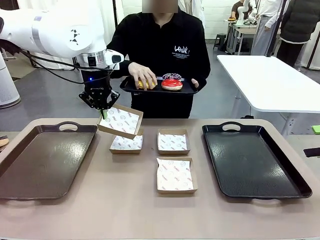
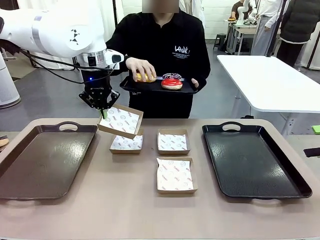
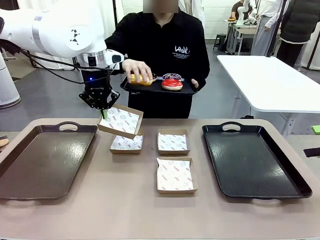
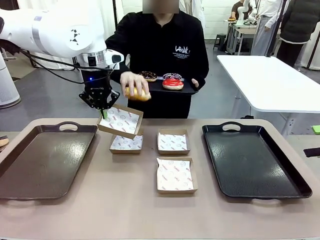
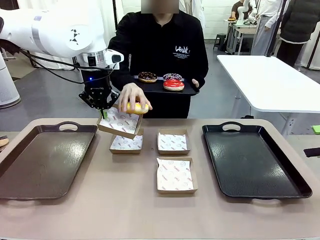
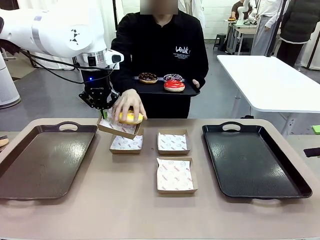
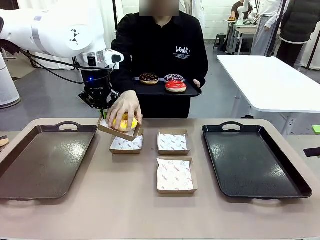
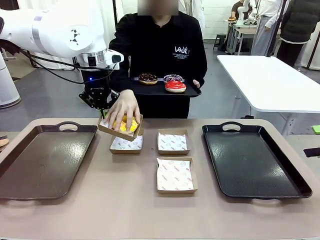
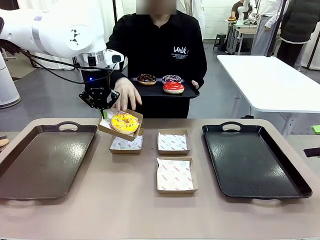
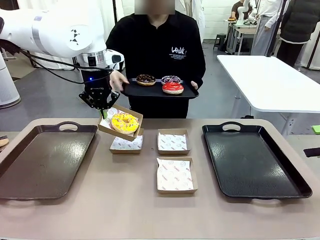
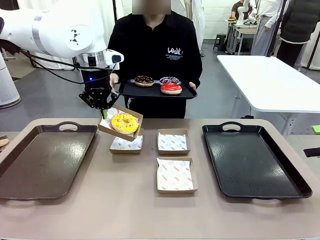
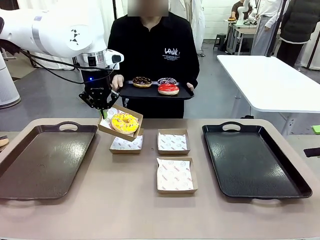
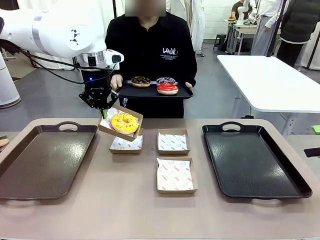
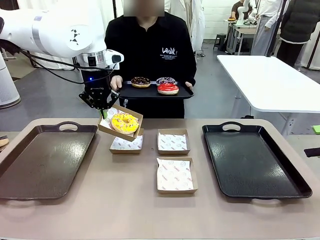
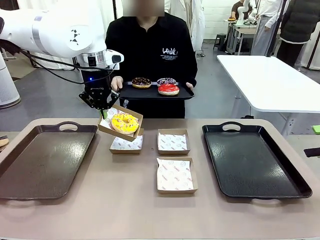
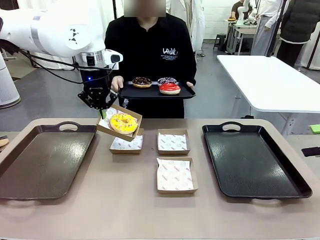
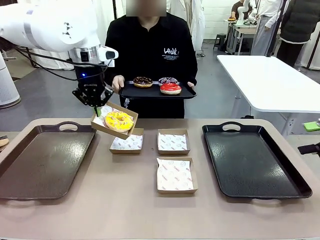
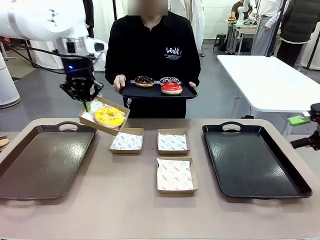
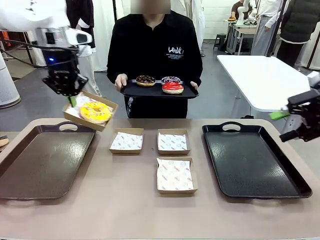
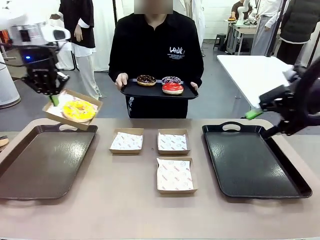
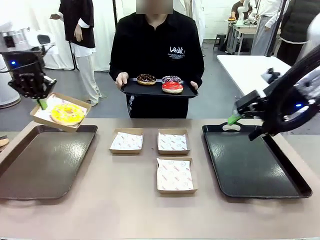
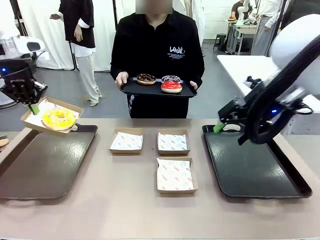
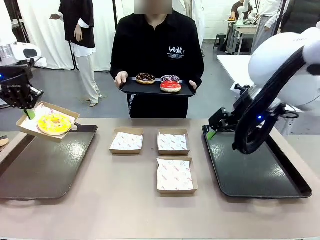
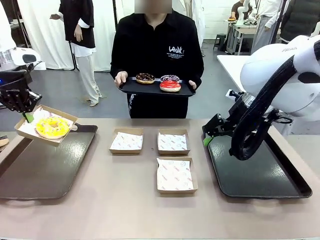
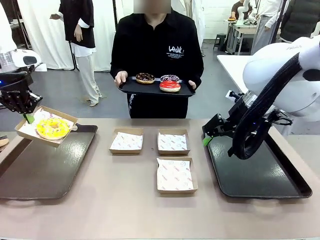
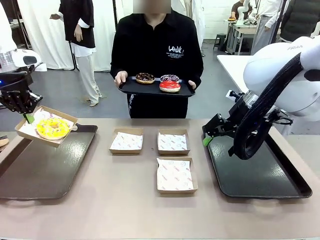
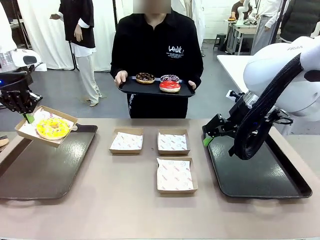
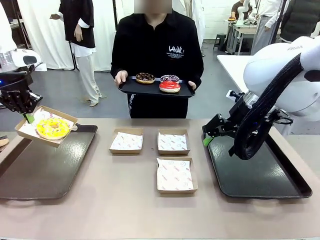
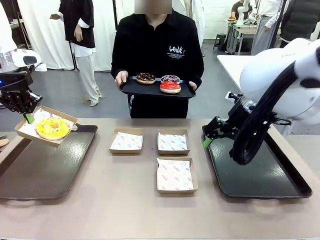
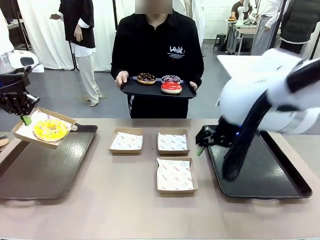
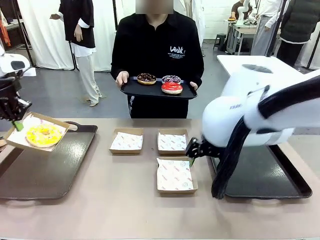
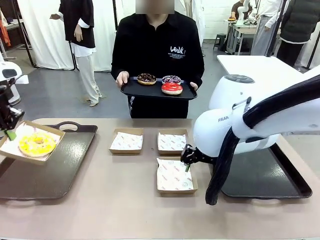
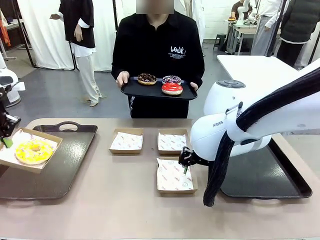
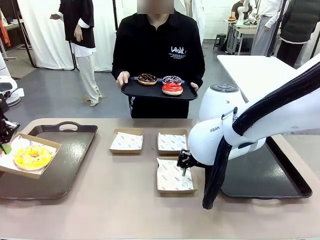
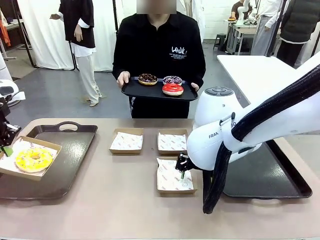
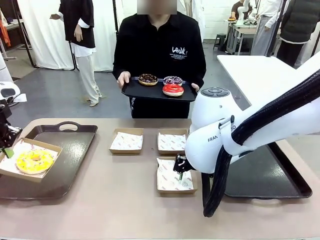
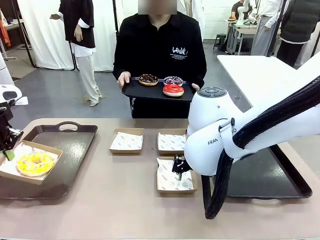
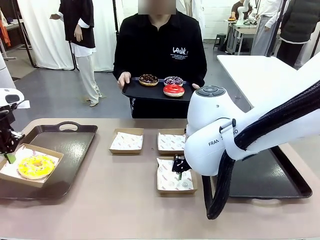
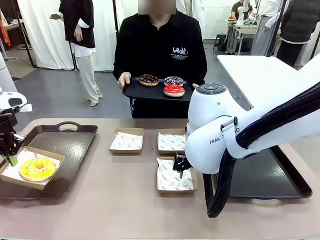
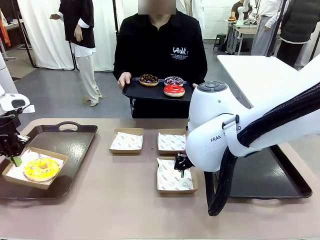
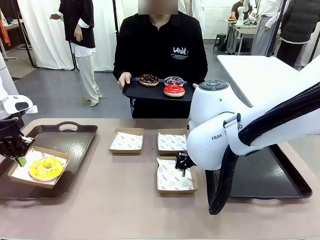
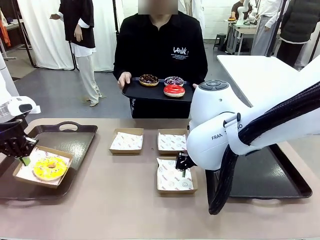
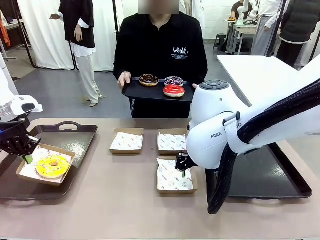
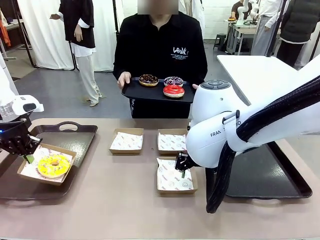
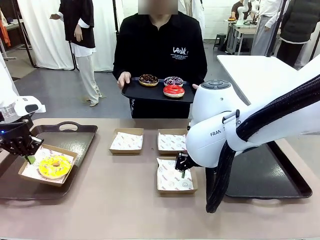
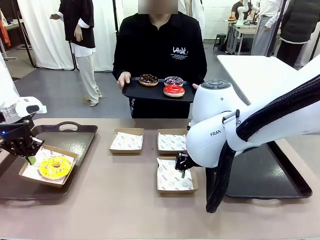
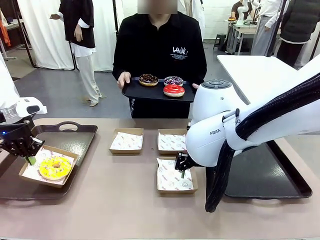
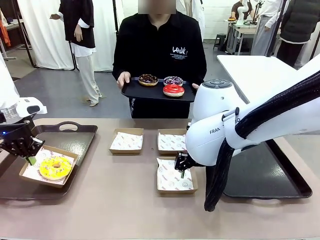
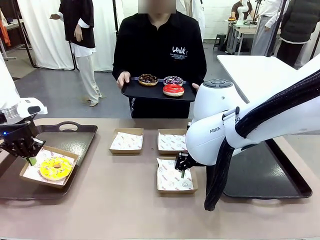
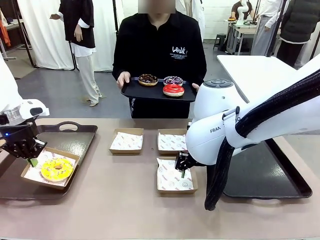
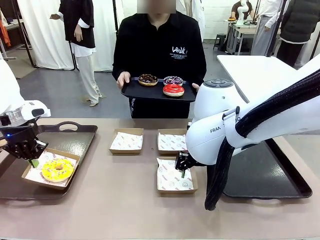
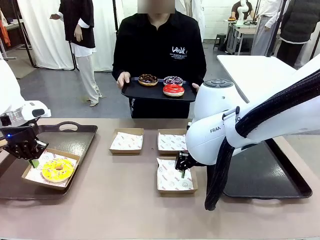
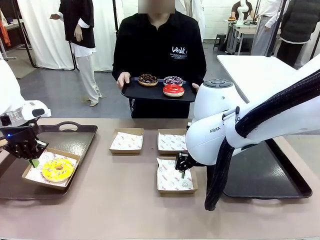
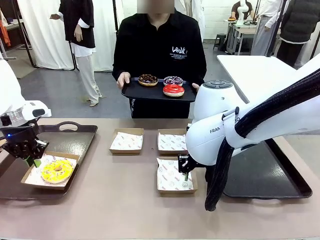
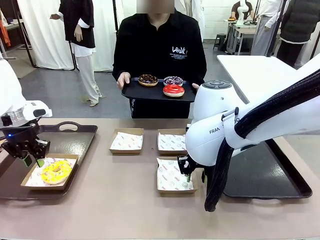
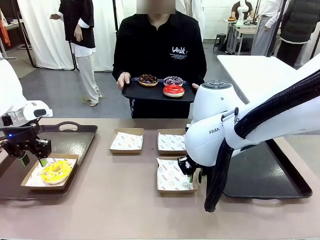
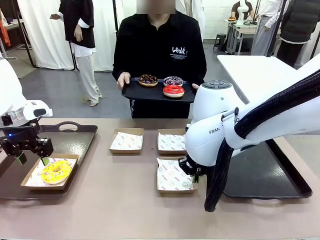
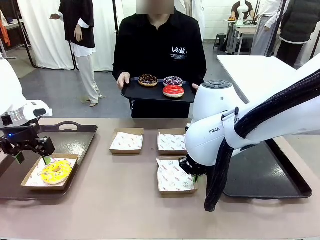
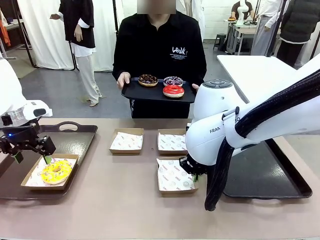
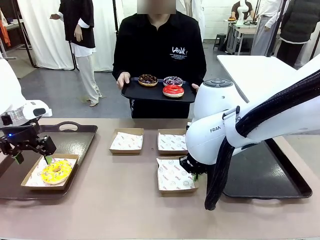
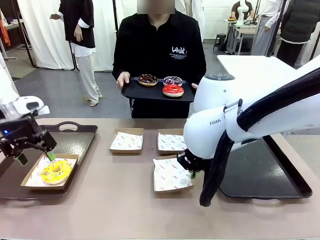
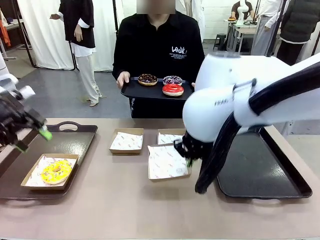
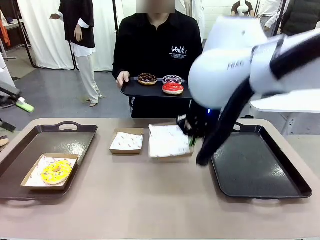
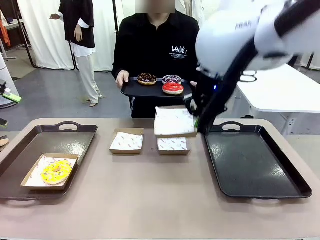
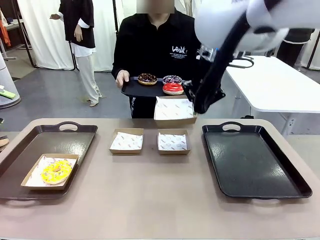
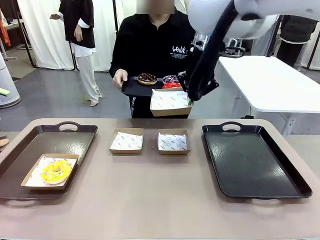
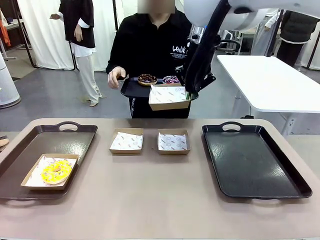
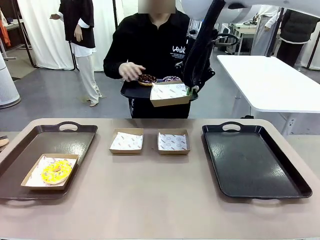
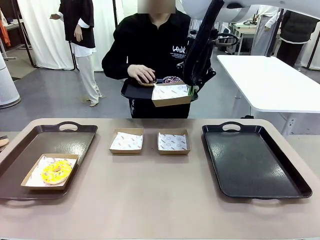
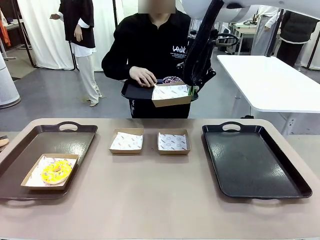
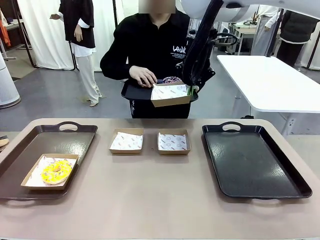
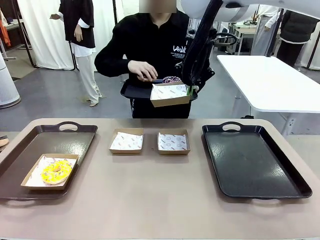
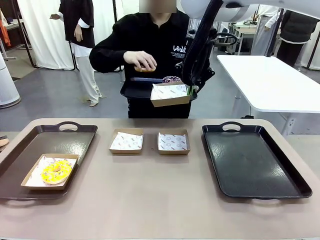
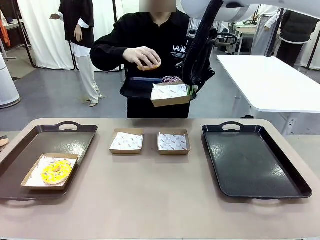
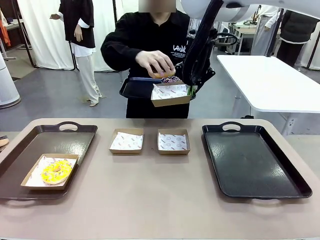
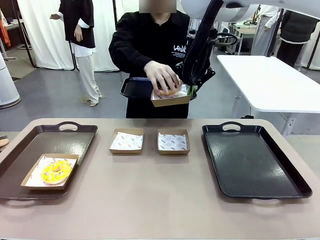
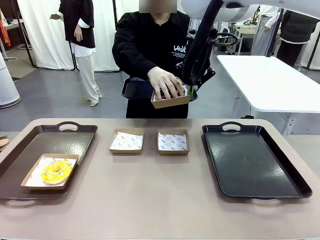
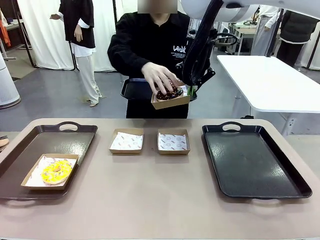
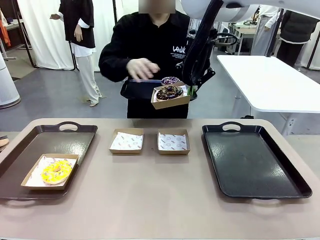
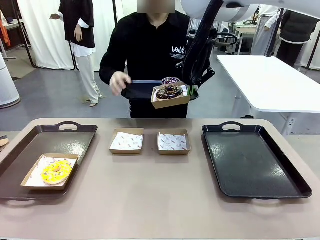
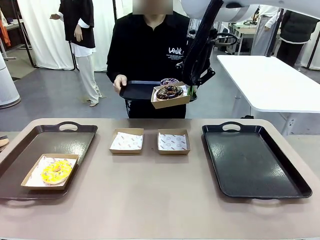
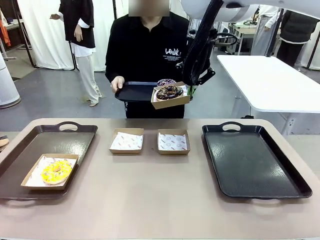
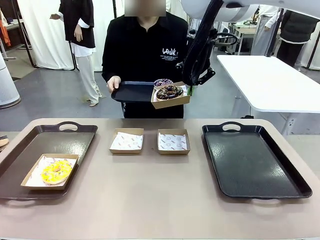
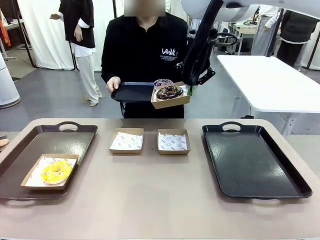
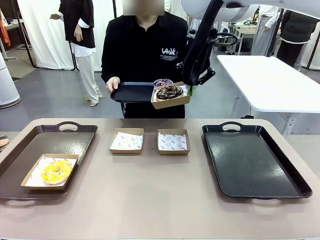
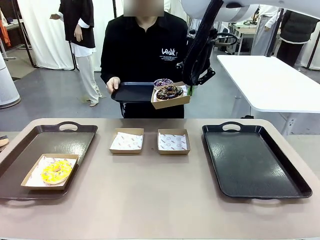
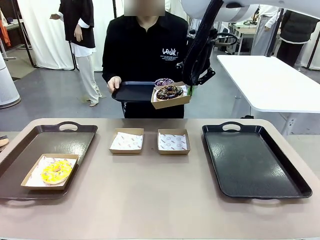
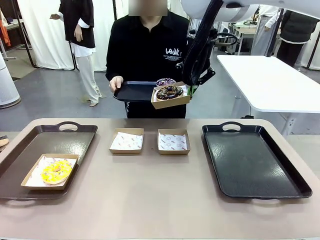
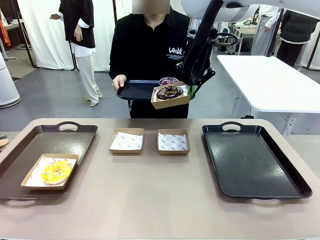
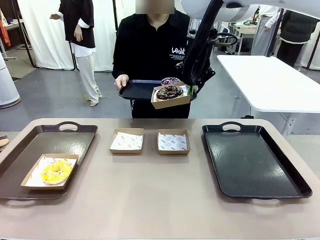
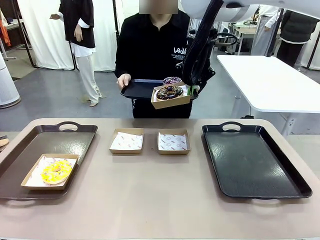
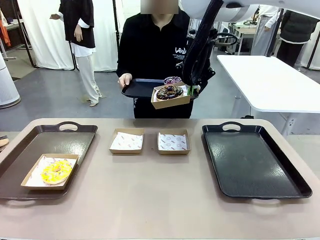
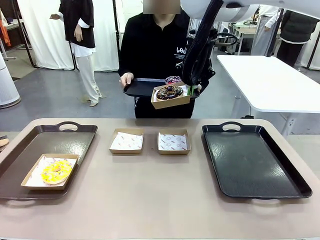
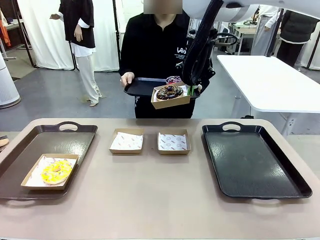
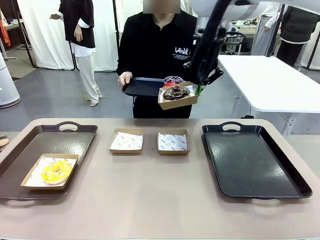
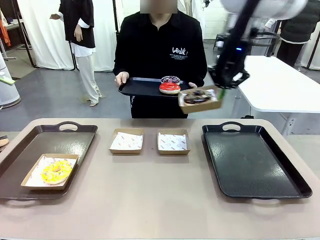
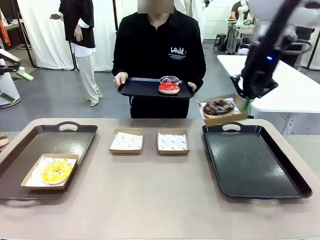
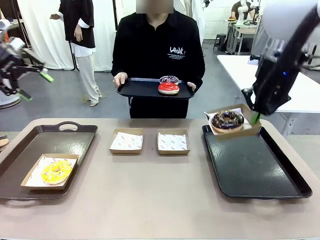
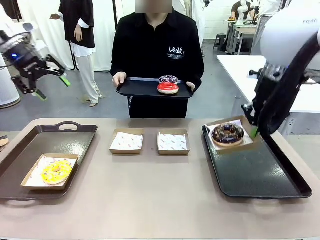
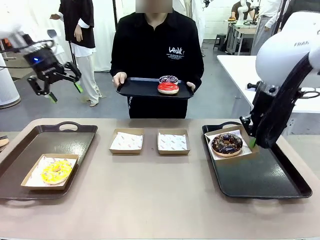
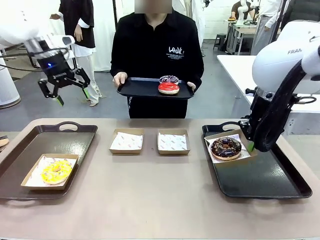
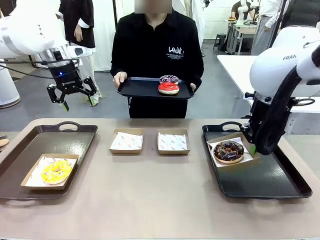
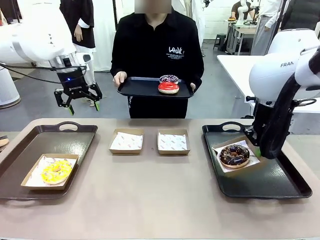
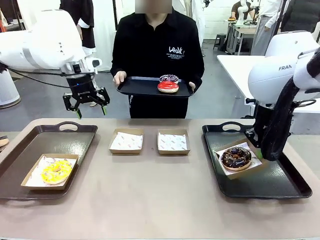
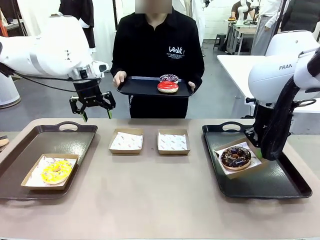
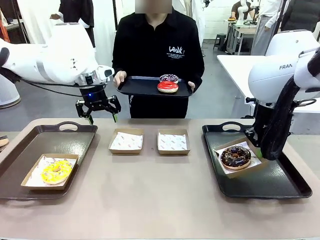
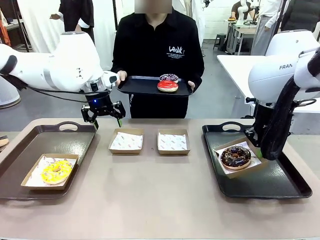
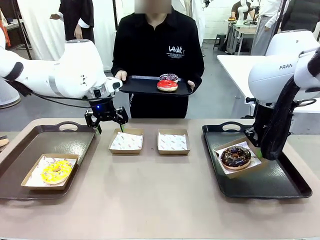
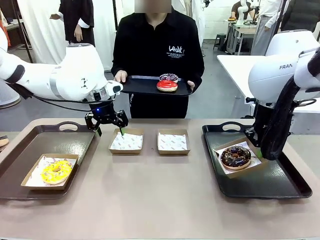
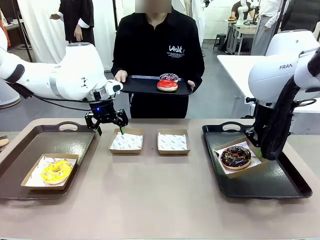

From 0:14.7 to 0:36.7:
Task: Individually package the donuts and arrange them on the tray.
Robot: Place the picked Paper togo box on the Handle tray while simultaneously picking up another Paper togo box from the table with the other hand.
